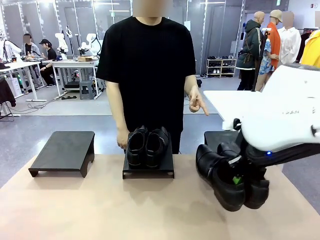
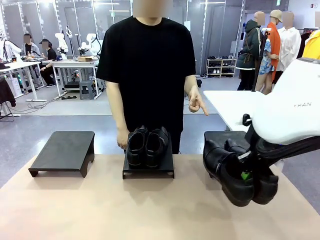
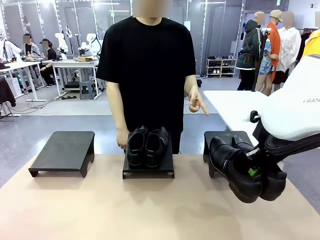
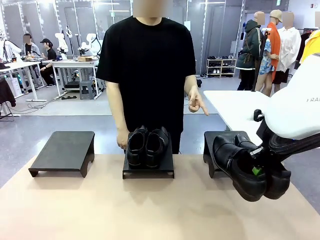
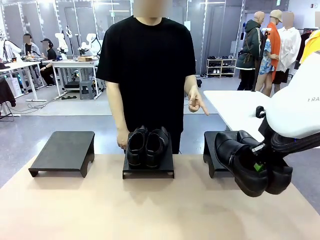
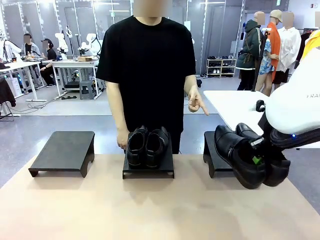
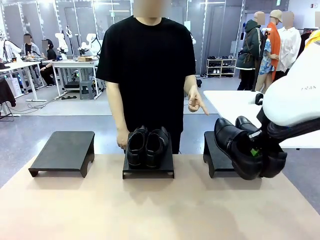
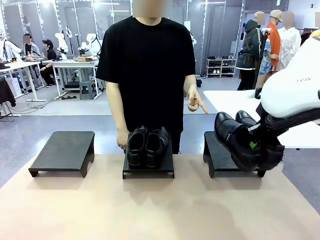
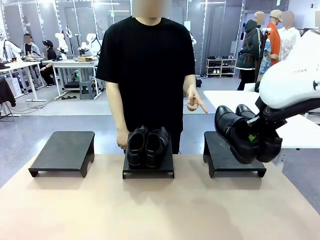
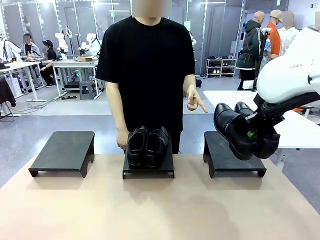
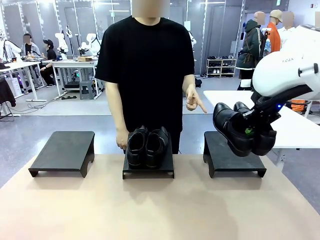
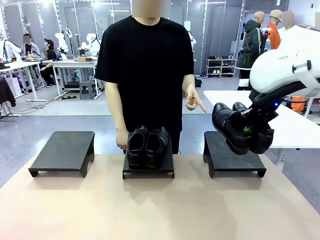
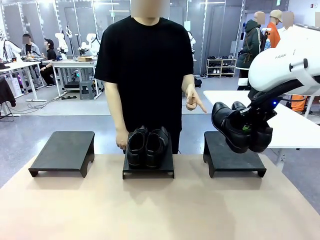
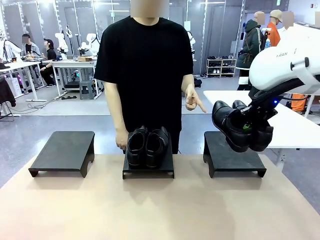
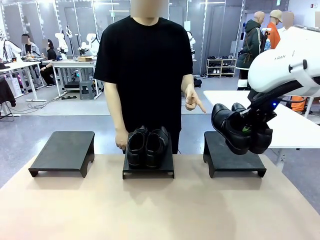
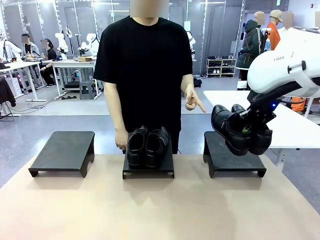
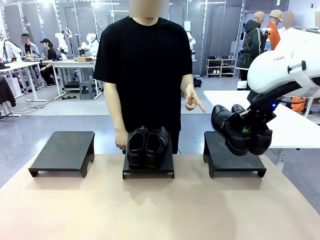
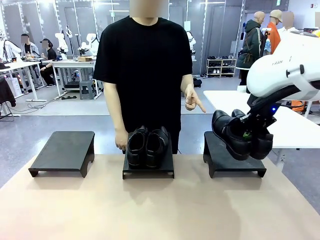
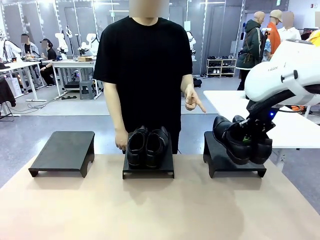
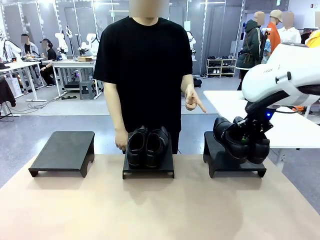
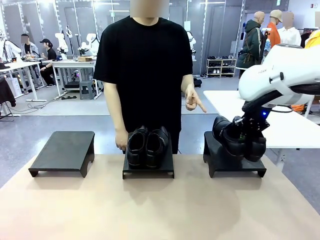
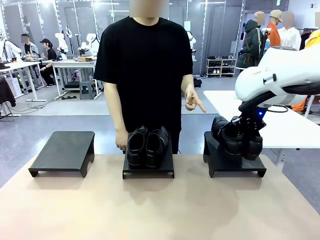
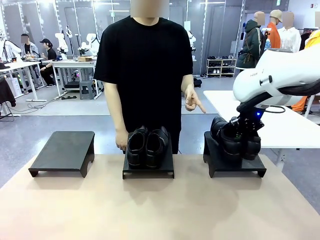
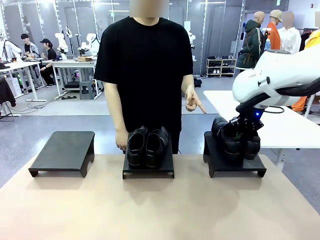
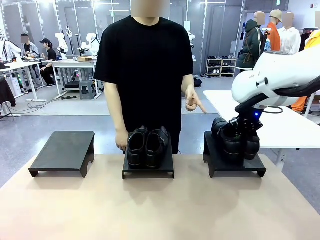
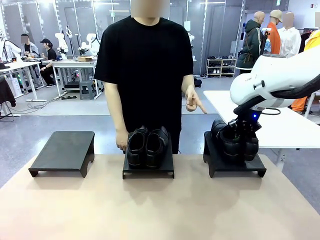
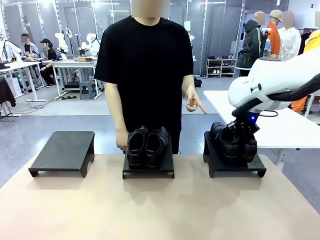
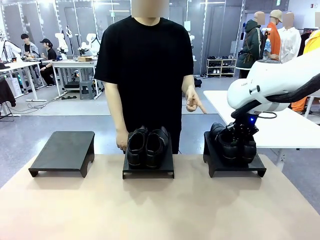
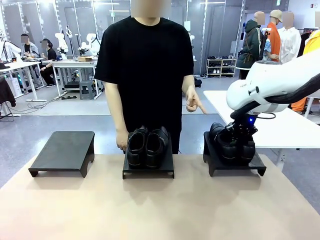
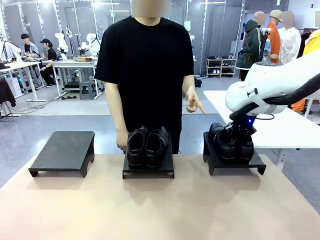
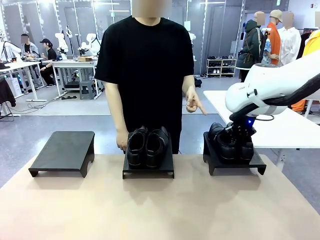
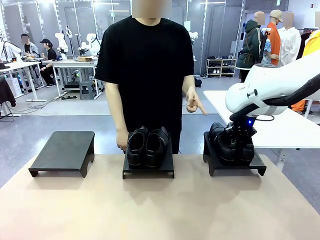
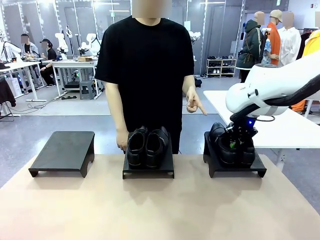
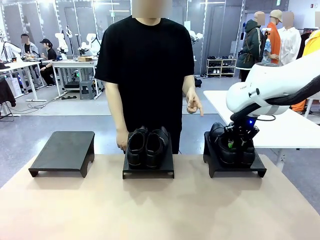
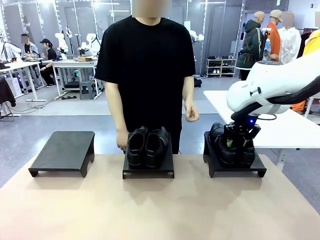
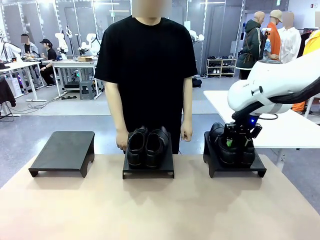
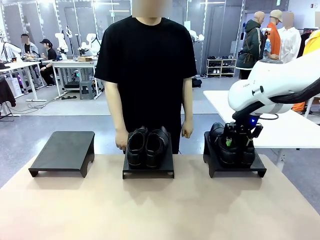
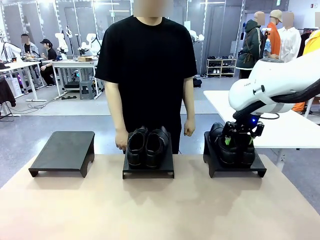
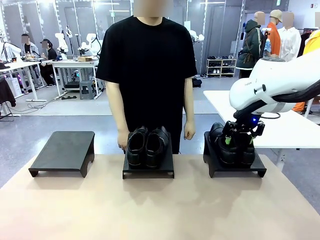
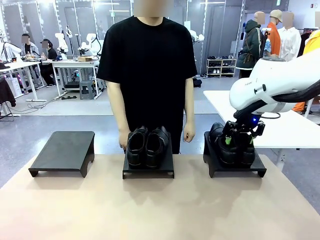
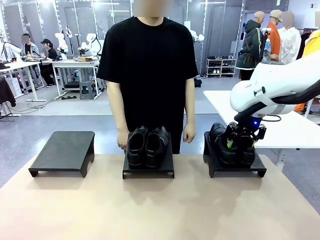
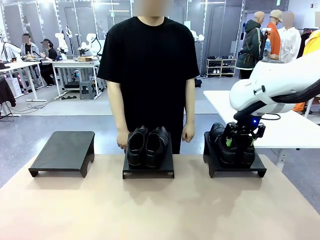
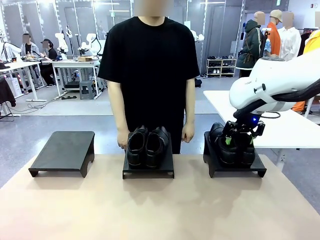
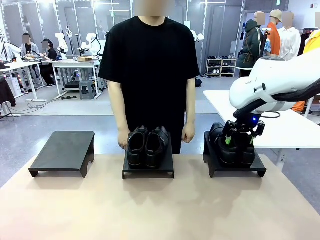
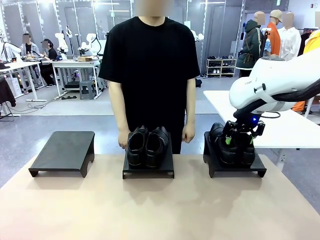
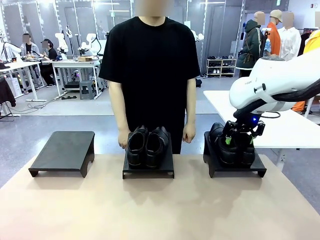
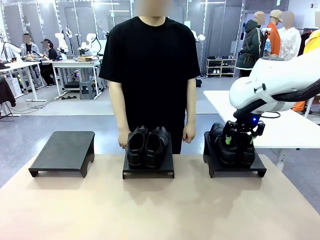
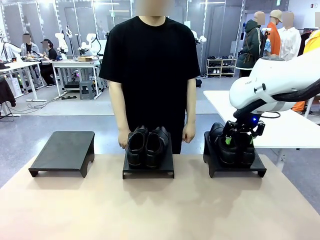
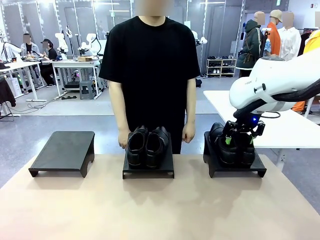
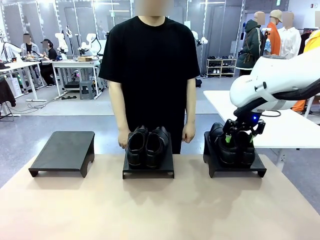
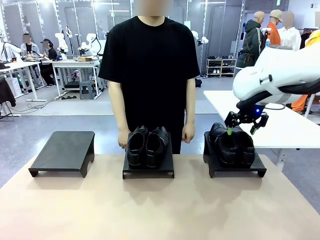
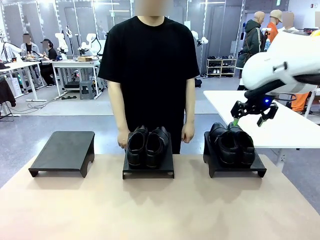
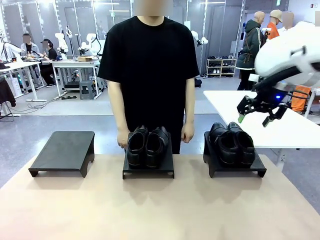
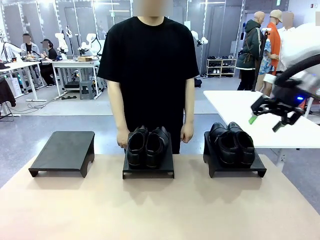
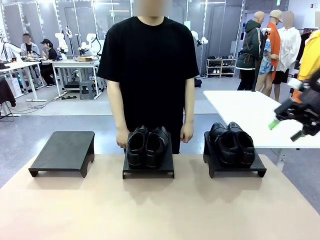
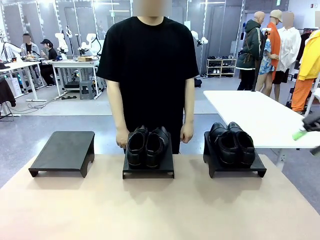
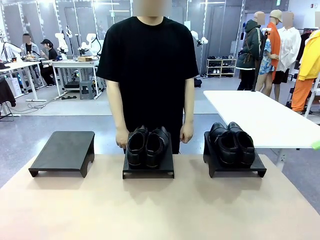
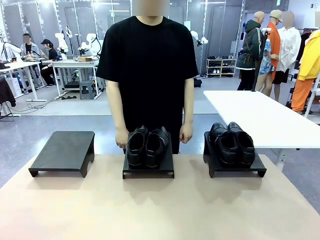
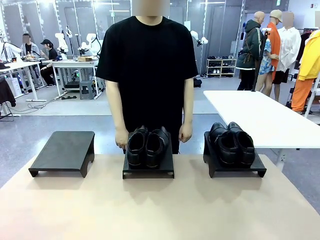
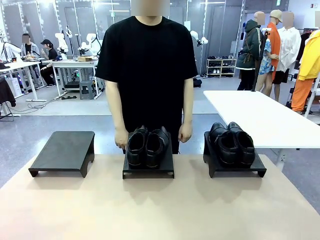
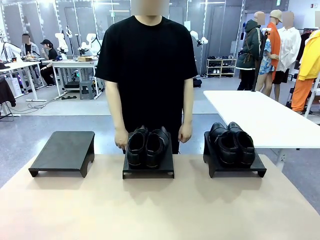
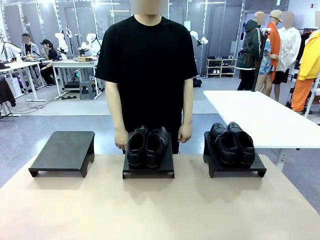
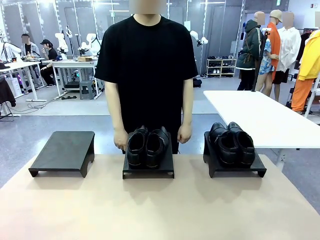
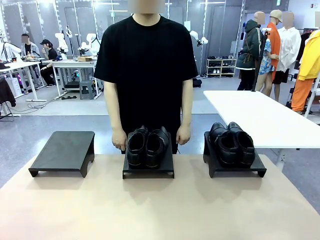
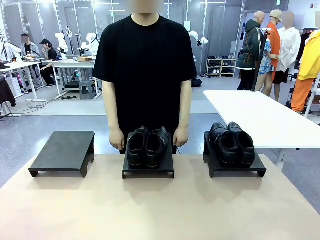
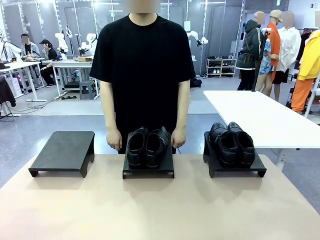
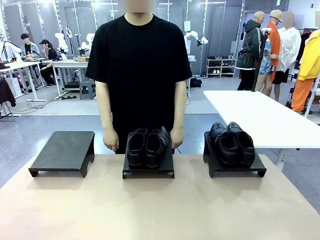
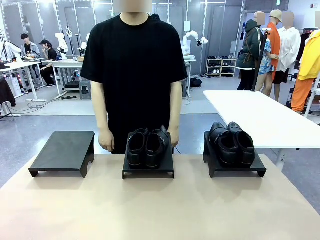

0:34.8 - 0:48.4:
Task: Place the shoes on the stand as instructed by the person.
Robot: Pick up another pair of Shoes and place it on the Shoes Stand indicated by the person.
